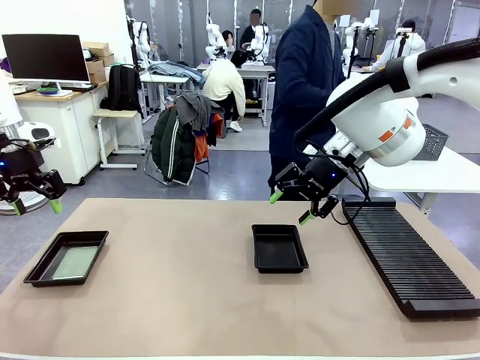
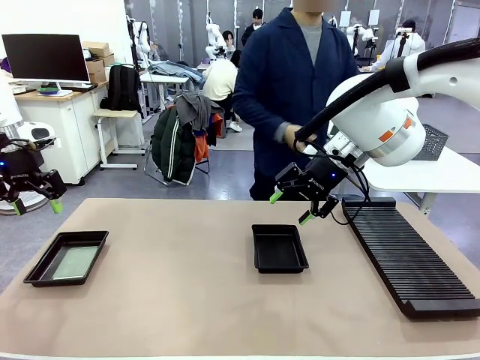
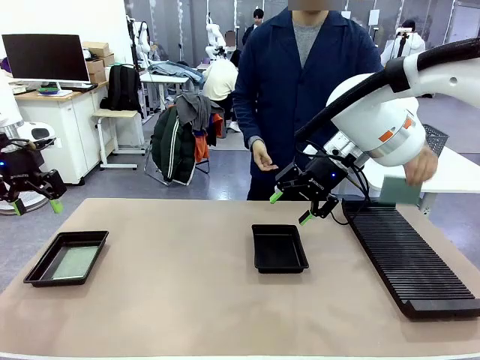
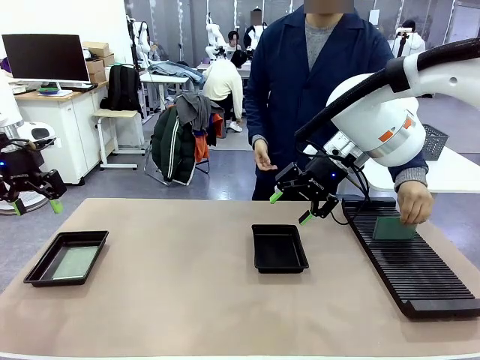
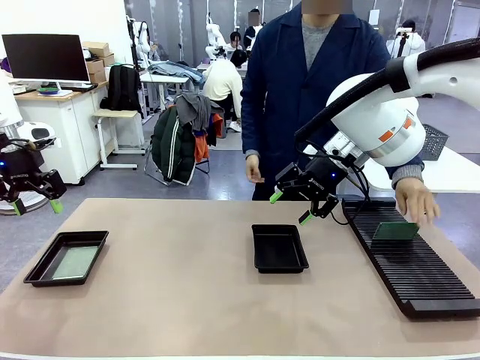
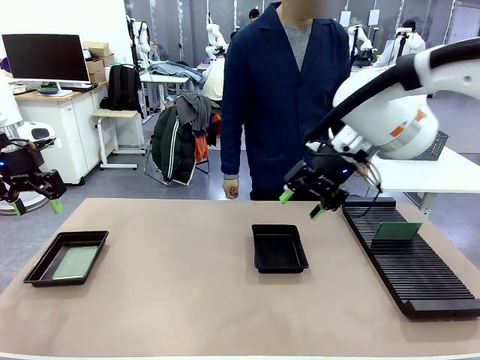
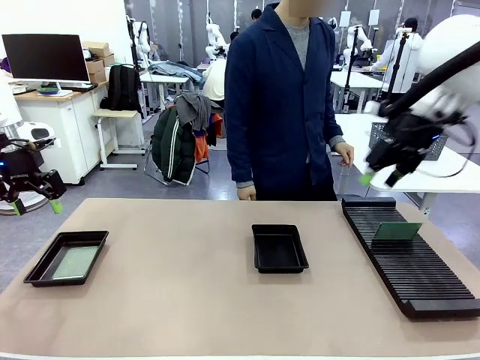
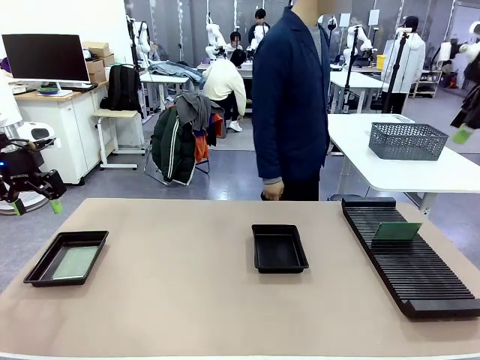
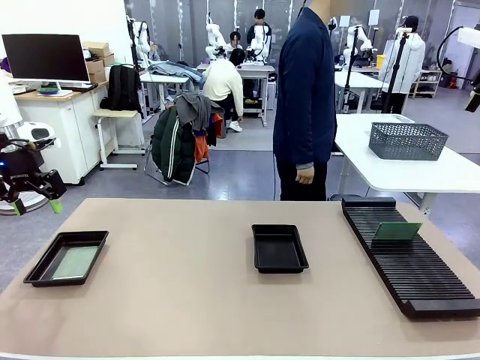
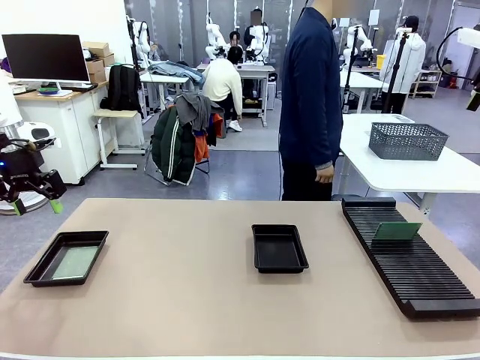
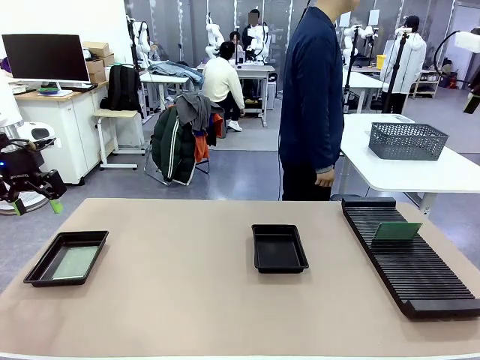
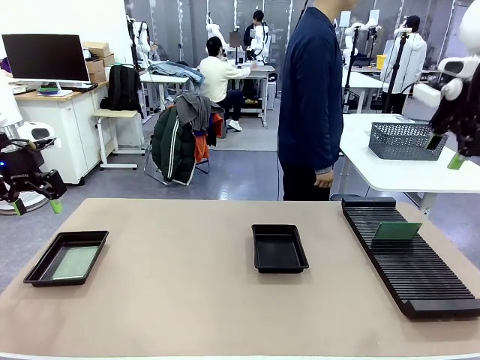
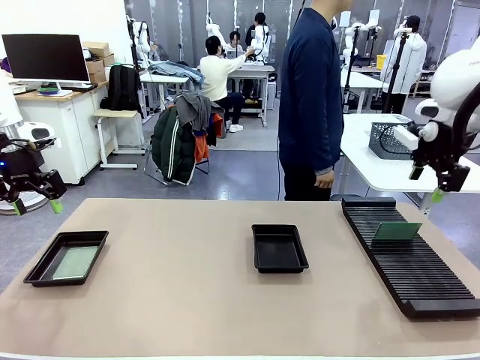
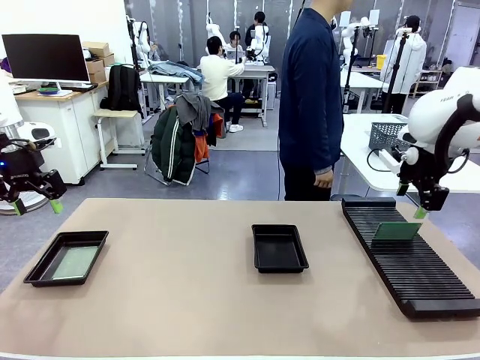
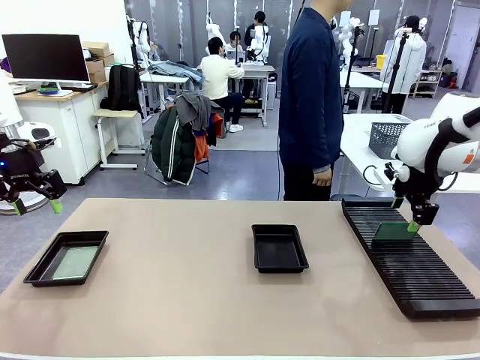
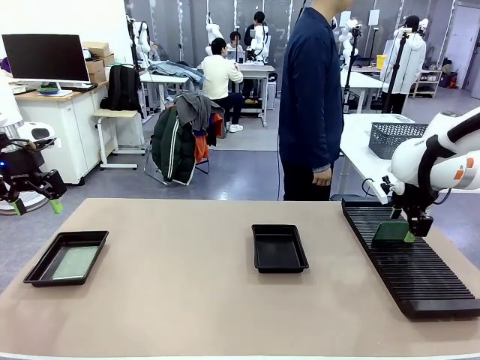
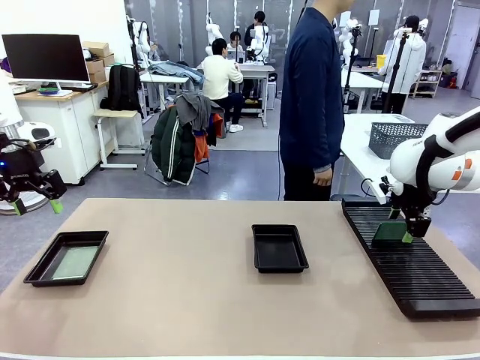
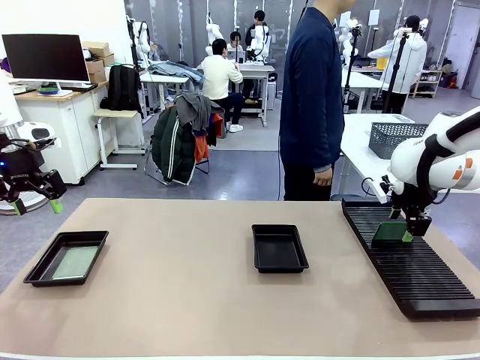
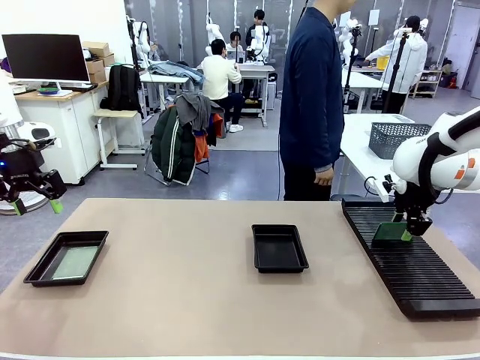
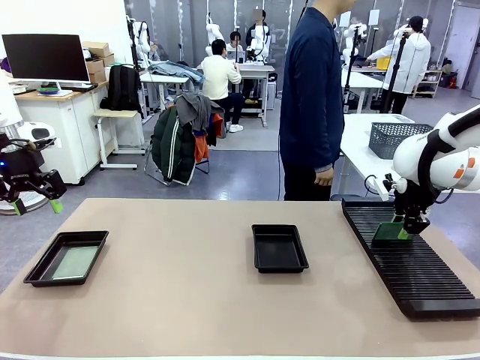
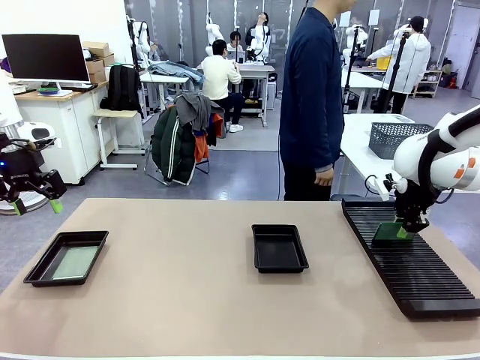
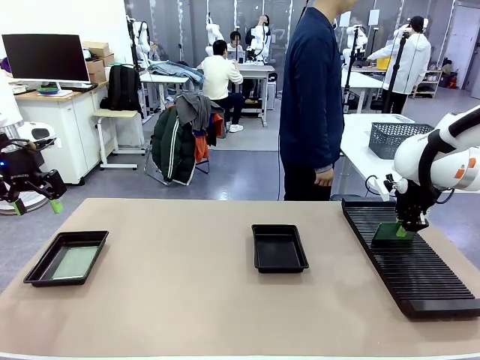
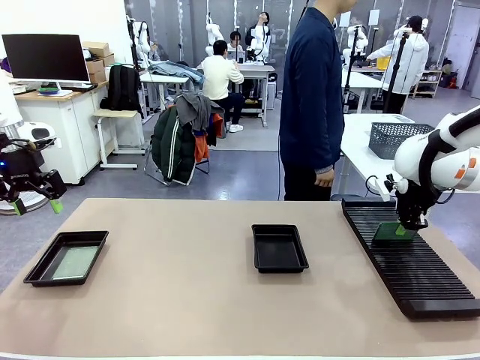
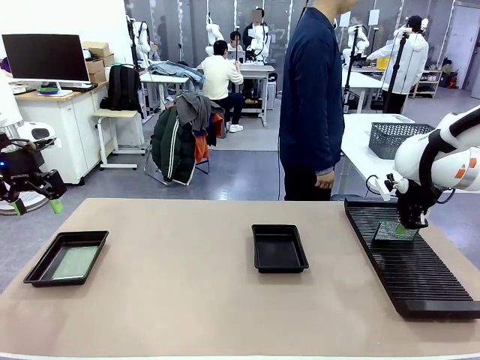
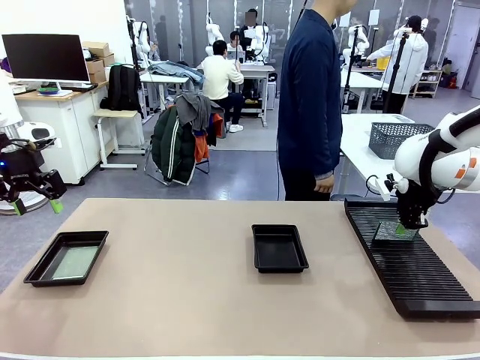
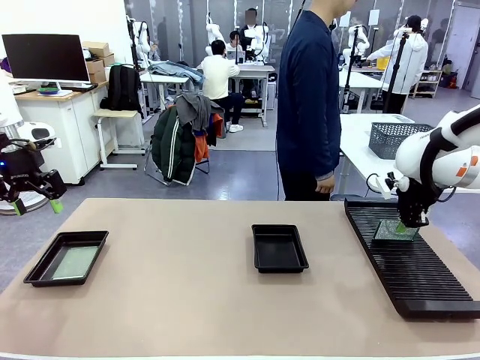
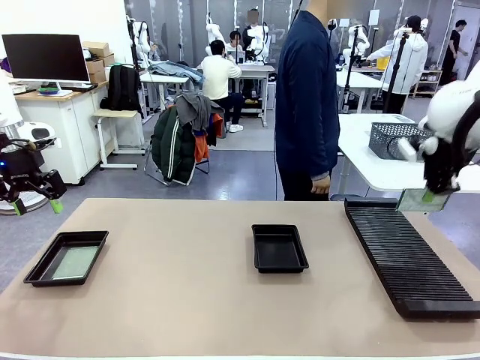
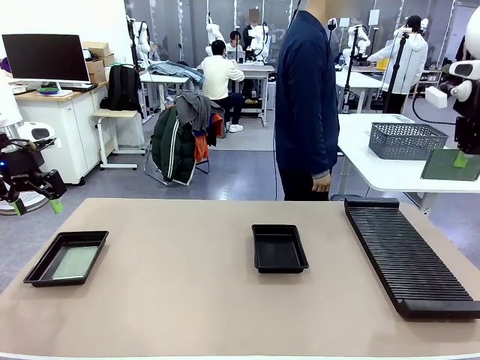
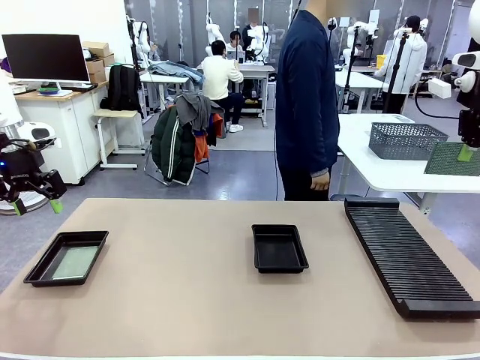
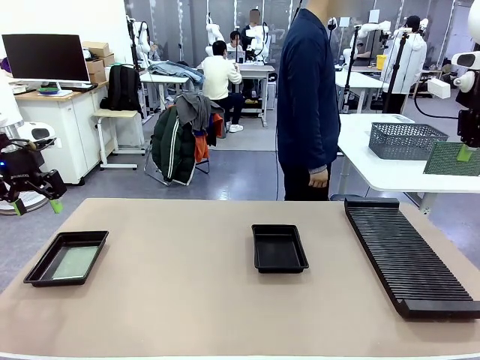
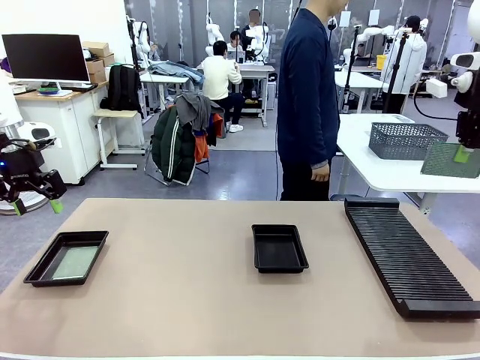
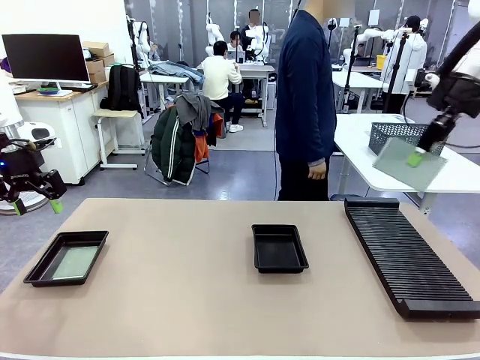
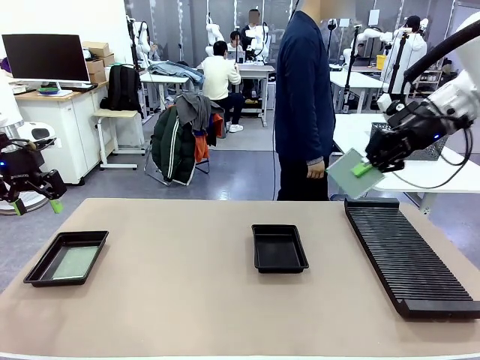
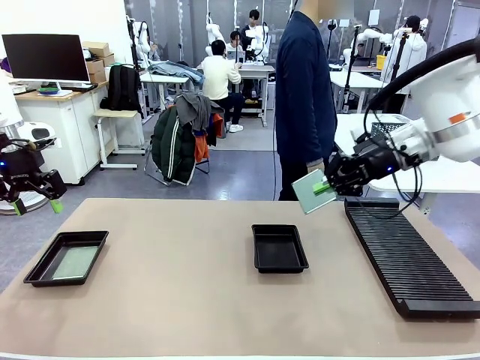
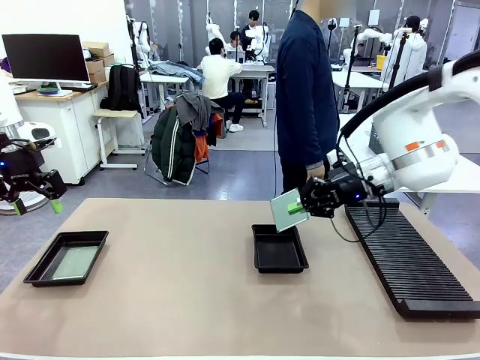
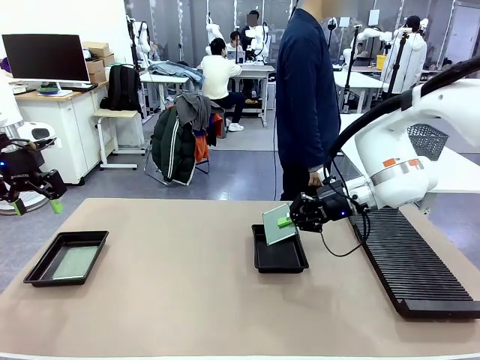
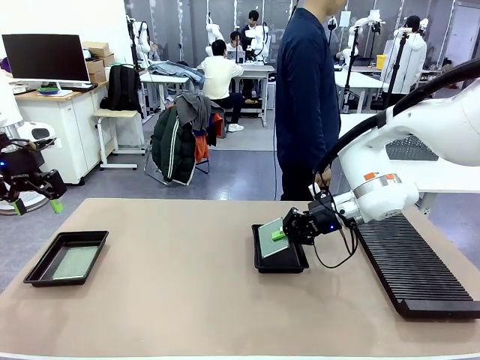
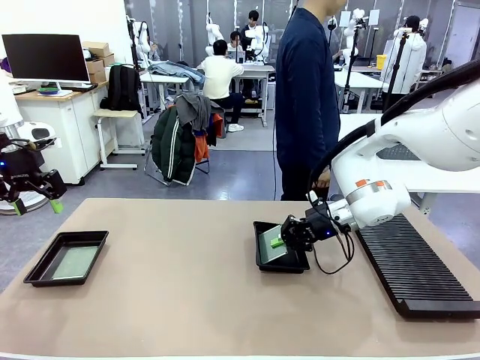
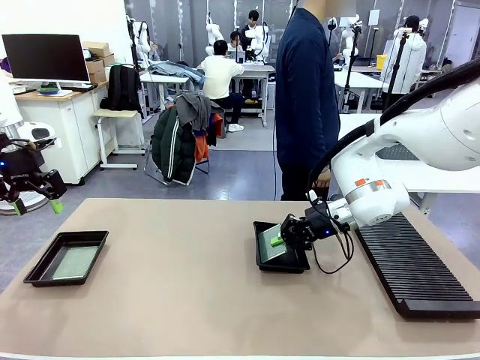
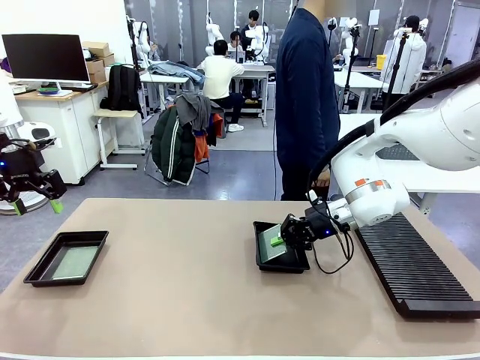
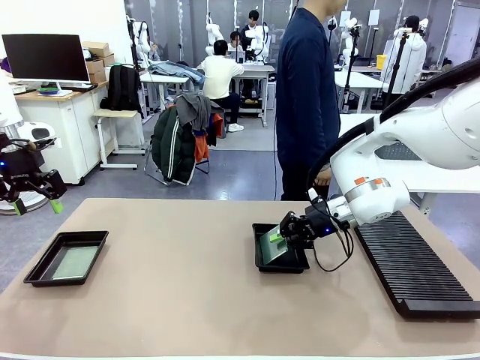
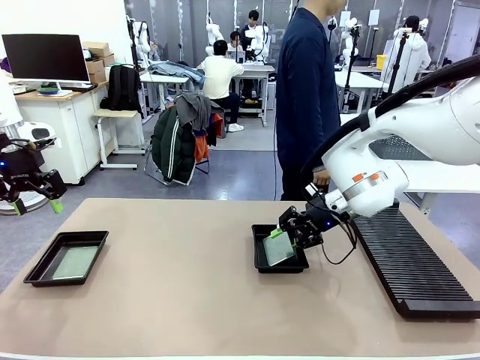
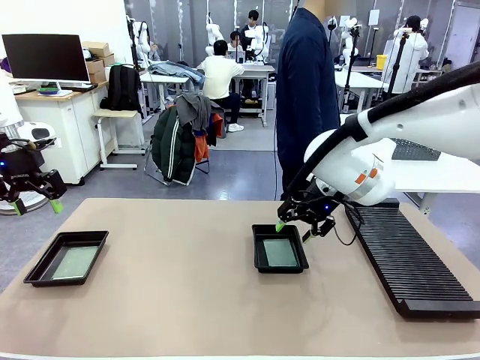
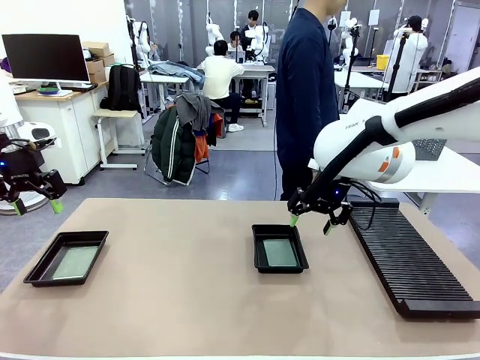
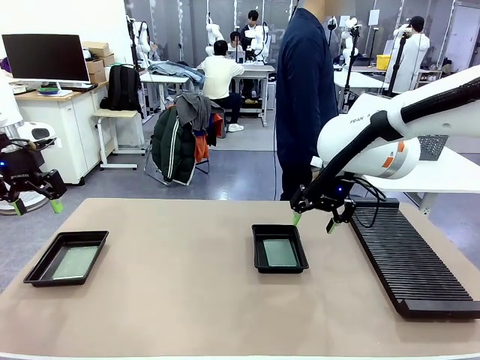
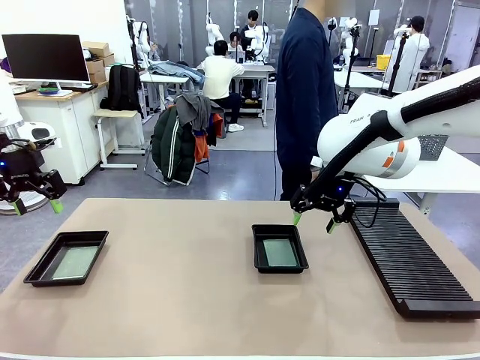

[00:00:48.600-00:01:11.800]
Task: Inspect and transfer BCBs to ESD trays.
Robot: Pick up the Blank PCB from the PCB Rack and place it in the right ESD tray.

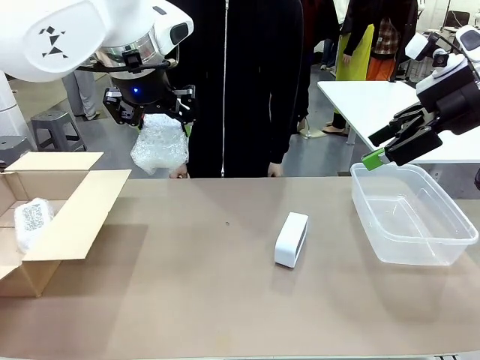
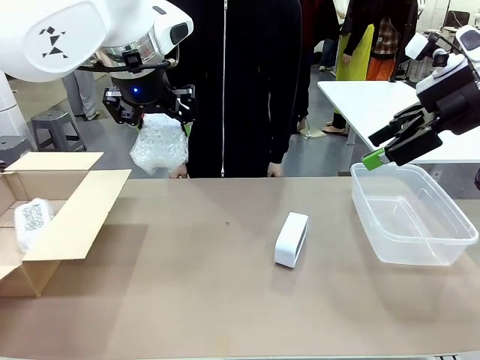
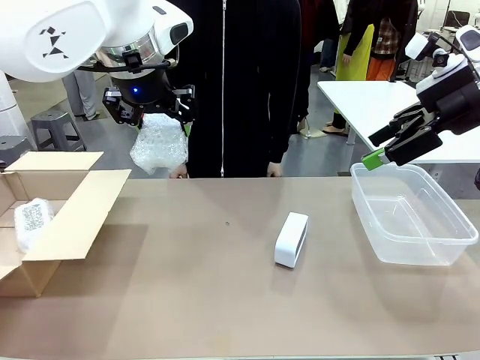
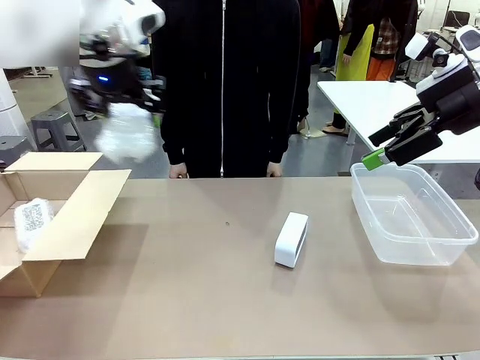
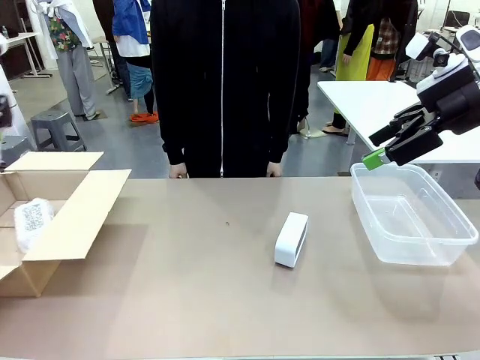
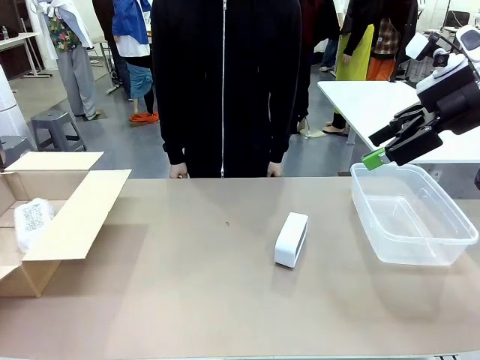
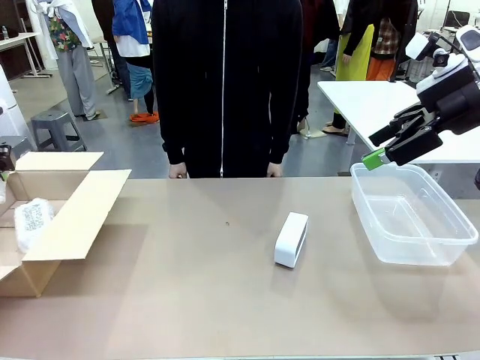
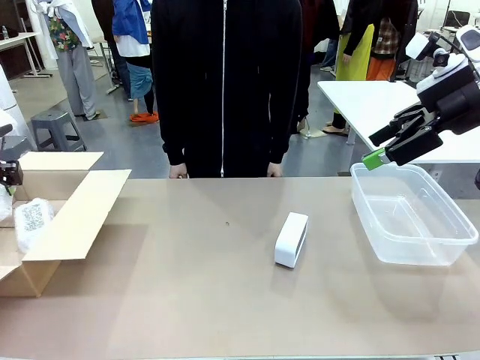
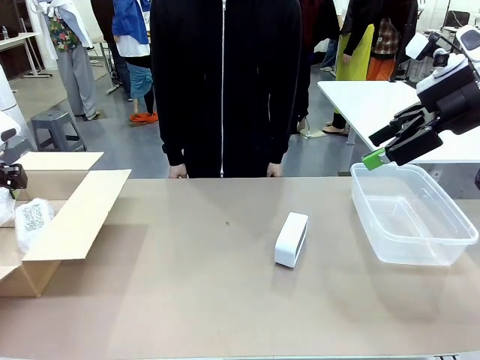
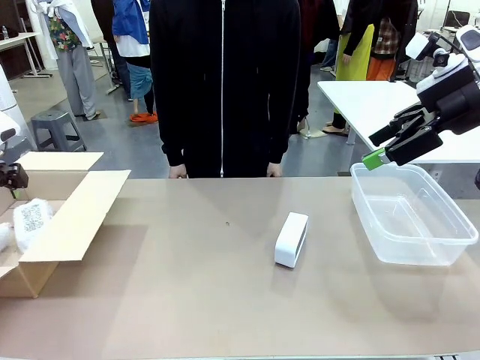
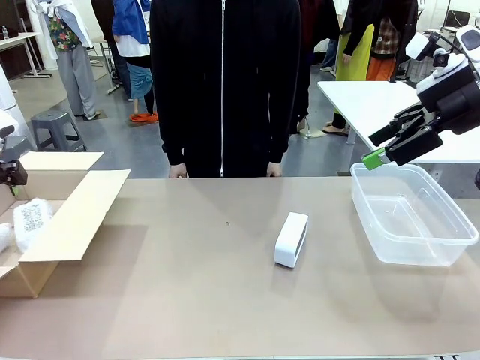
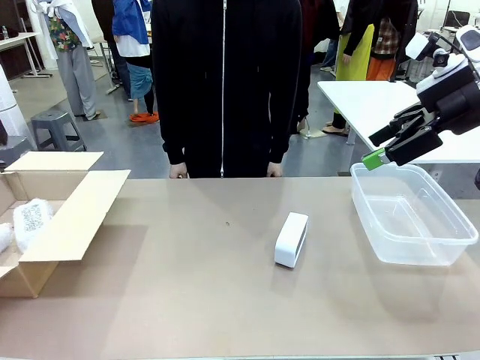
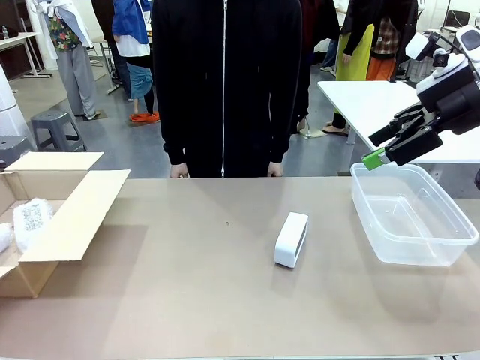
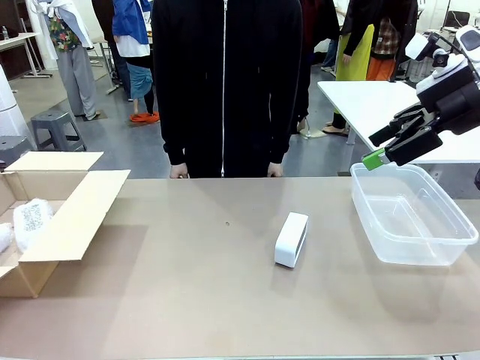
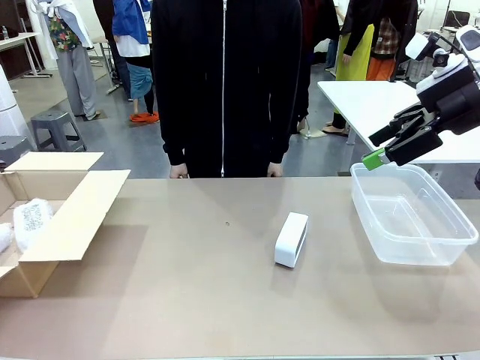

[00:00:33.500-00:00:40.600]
Task: Separate and place wrapped and unwrapped clocks.
Robot: If the picked Digital clock is wrapped, place it in the Package Box ; if not, place it in the Organizing box.
